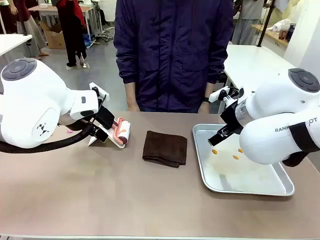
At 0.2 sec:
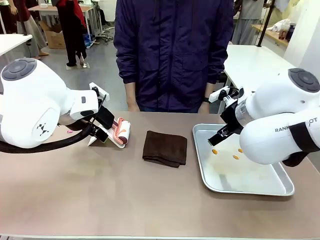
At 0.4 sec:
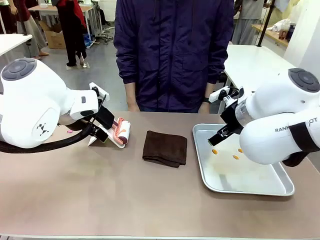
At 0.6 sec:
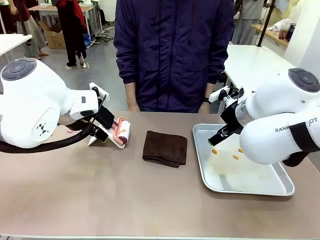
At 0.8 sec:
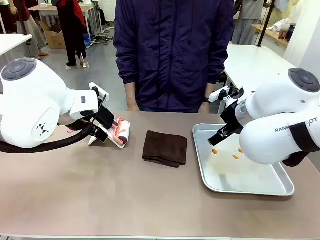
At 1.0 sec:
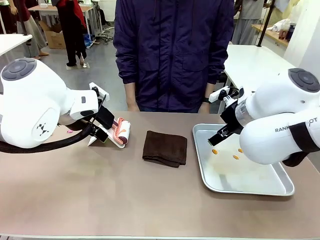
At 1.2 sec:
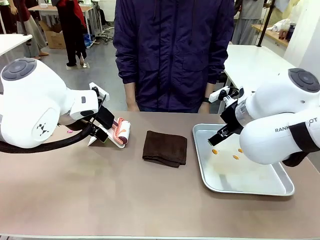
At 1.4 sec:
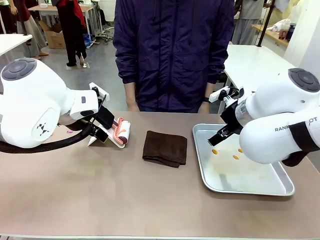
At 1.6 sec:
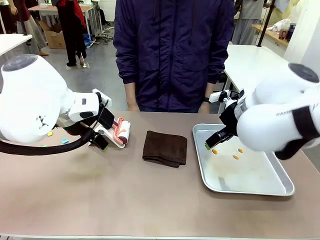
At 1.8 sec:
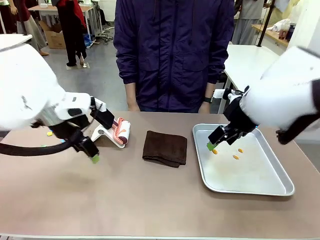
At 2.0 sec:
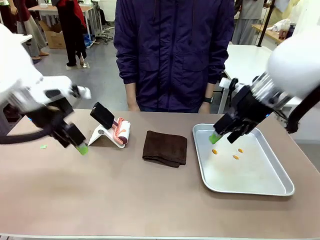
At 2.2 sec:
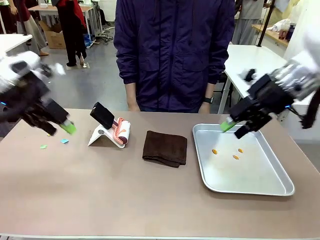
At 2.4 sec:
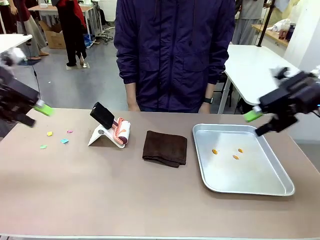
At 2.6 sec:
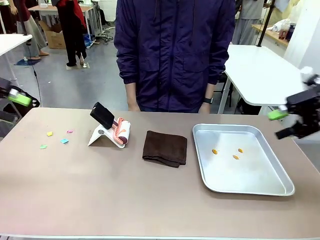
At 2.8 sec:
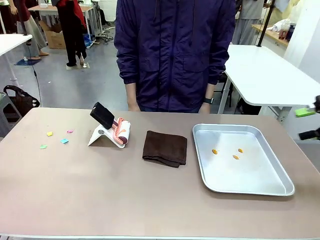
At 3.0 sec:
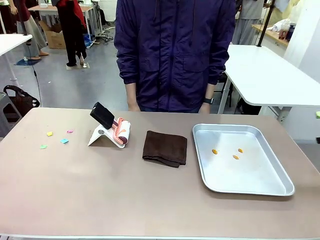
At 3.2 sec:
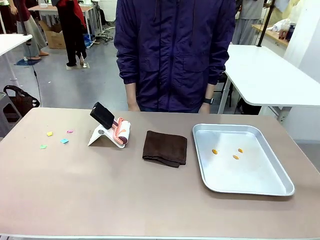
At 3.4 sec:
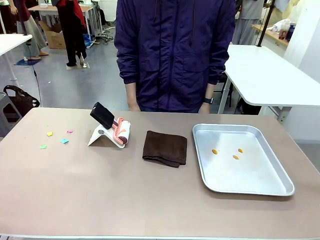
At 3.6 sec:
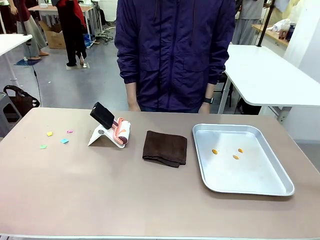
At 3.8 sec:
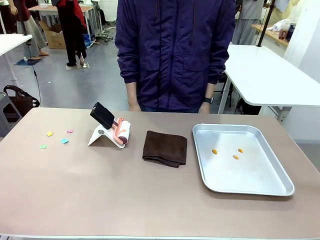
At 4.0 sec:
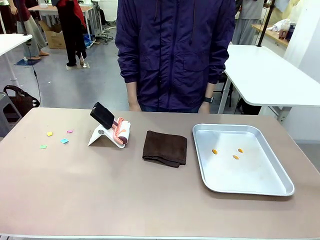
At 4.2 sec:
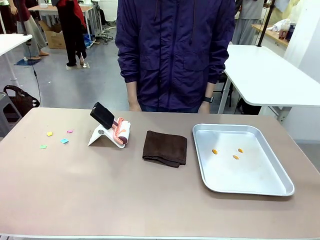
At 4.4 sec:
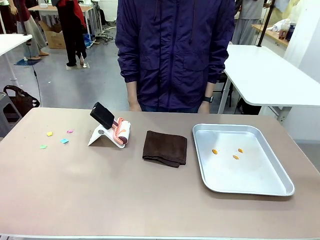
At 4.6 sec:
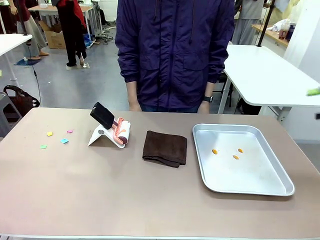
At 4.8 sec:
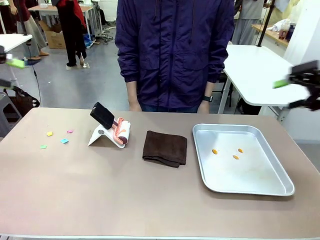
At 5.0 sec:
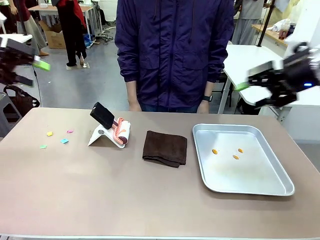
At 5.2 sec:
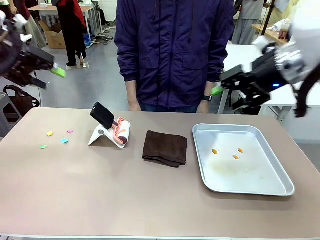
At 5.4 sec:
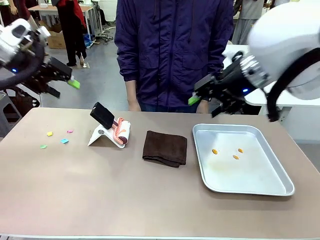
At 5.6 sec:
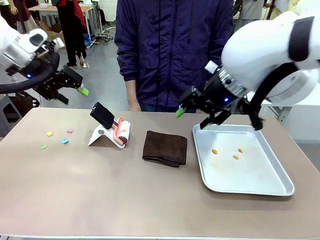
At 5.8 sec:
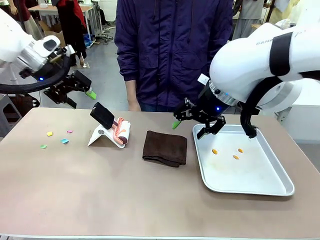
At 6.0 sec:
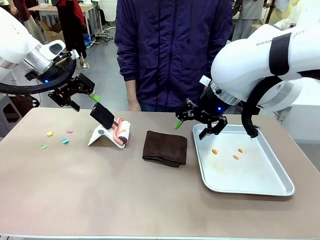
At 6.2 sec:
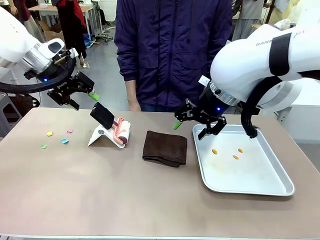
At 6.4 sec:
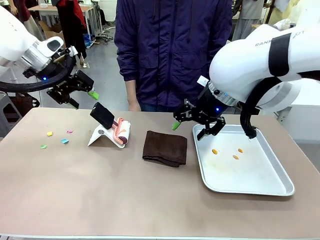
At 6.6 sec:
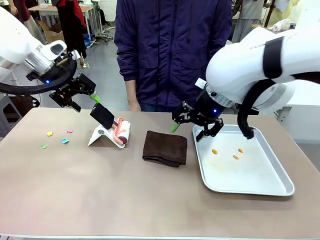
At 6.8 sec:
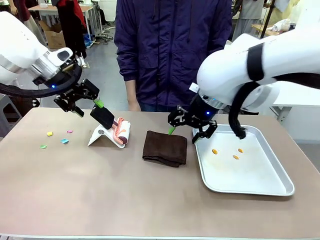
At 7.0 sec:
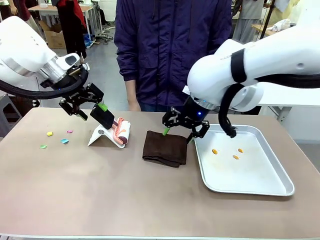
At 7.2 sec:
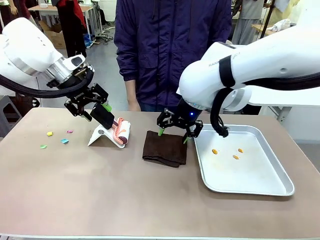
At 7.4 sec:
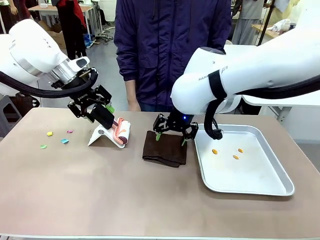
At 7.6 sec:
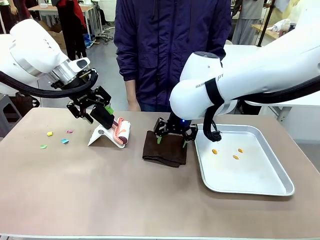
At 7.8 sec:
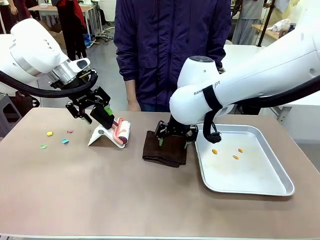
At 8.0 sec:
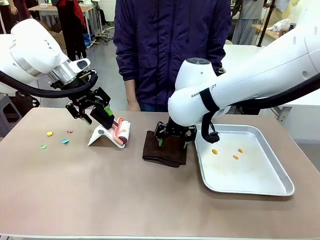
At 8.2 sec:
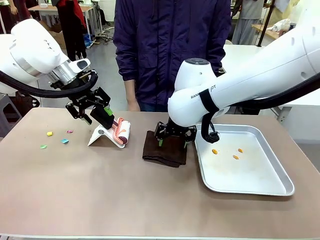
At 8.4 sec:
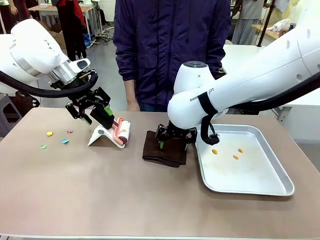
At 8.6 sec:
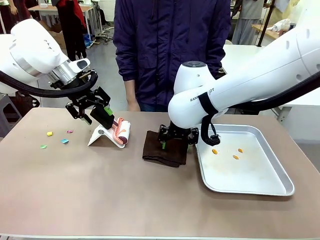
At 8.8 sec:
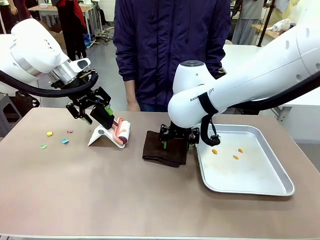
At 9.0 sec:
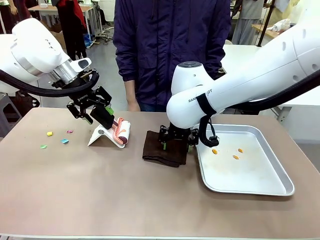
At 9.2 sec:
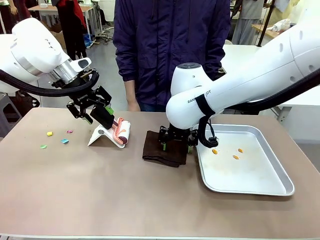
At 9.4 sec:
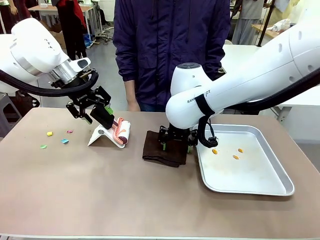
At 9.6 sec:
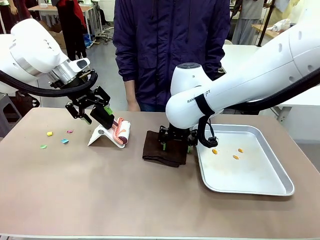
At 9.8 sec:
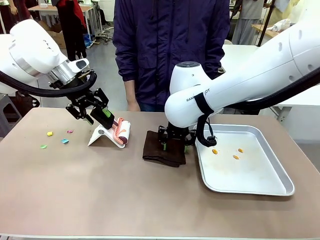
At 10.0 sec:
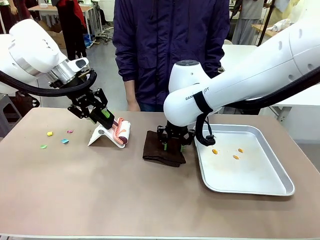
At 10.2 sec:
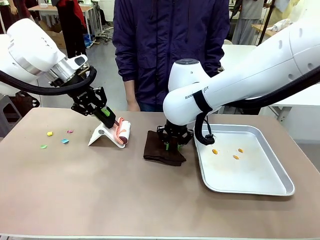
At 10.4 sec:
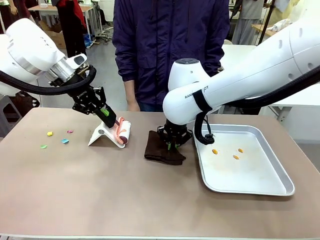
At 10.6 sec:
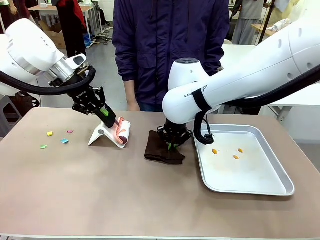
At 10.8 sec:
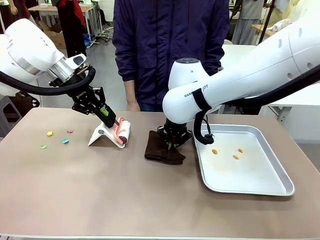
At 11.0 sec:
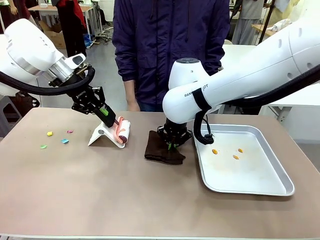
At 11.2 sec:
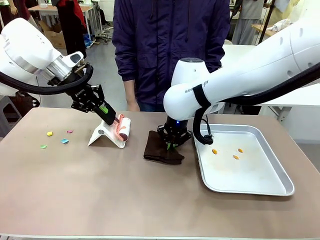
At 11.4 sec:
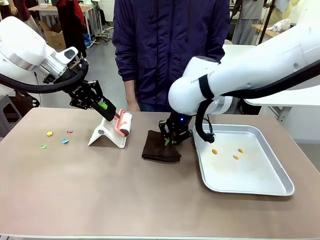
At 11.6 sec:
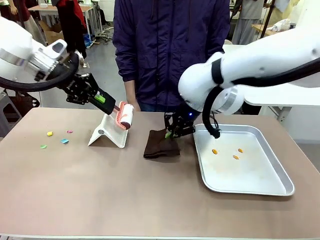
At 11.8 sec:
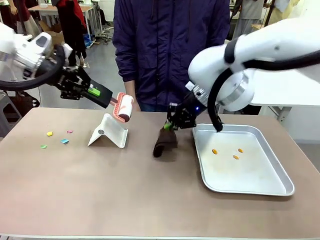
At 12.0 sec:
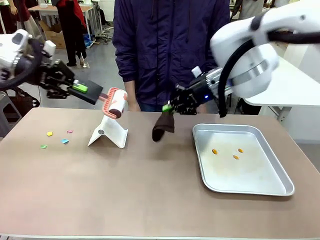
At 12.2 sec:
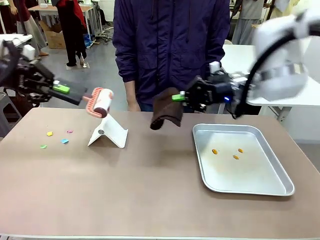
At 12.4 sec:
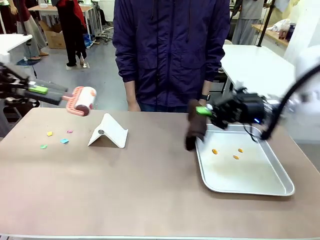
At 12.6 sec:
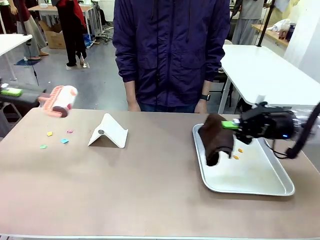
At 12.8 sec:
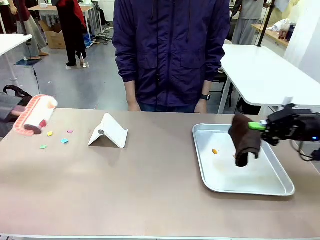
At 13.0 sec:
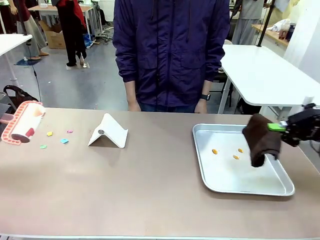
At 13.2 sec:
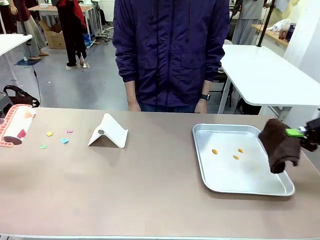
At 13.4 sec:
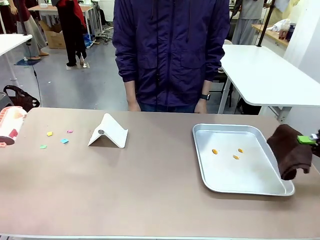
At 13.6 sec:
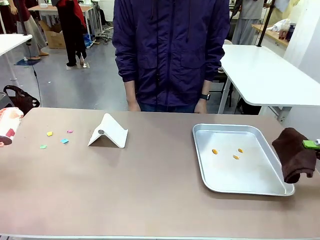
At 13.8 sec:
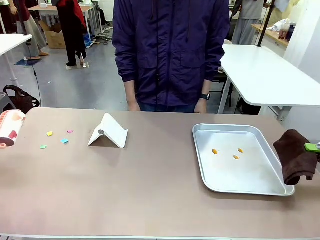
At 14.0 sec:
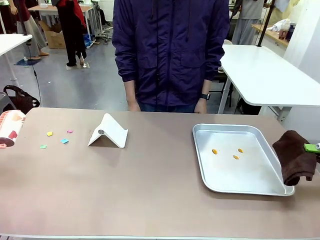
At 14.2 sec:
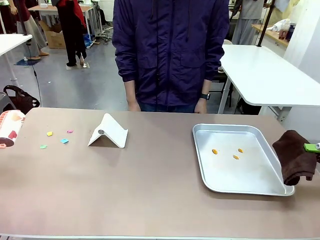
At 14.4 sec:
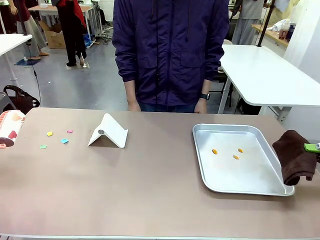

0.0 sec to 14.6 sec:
Task: Clean the surface of the table.
Robot: Hold the Lint Roller with your left hand and the towel with your right hand.

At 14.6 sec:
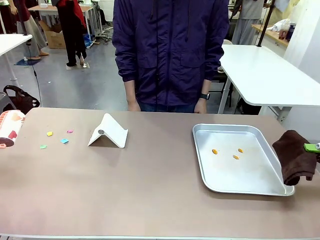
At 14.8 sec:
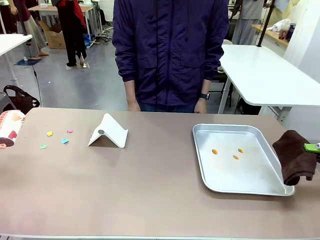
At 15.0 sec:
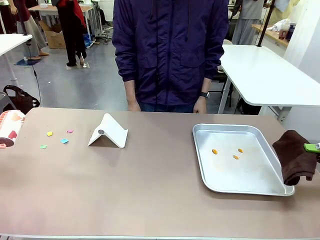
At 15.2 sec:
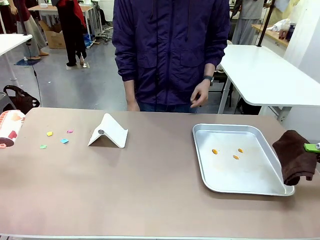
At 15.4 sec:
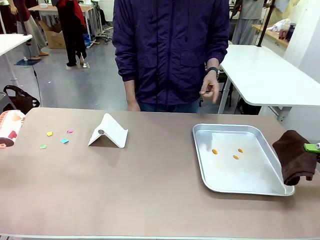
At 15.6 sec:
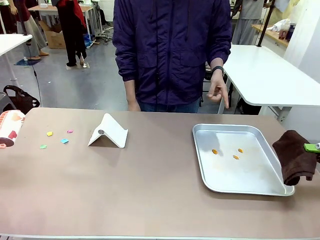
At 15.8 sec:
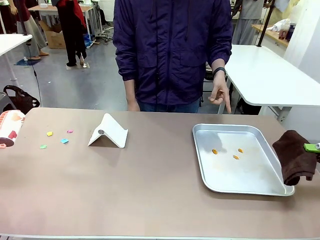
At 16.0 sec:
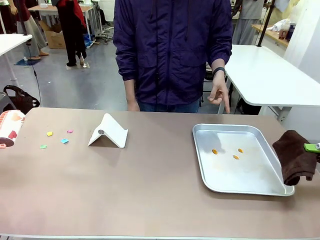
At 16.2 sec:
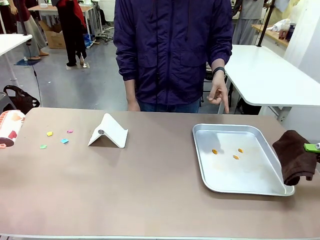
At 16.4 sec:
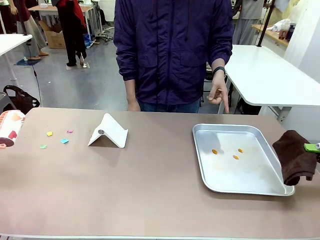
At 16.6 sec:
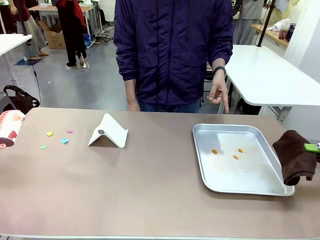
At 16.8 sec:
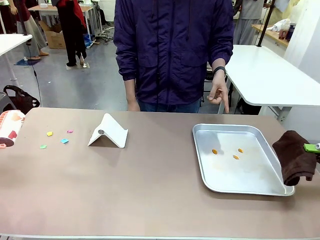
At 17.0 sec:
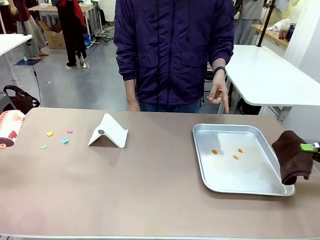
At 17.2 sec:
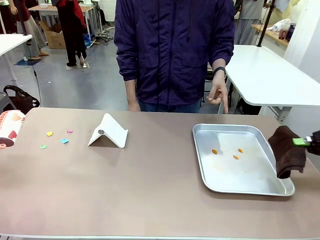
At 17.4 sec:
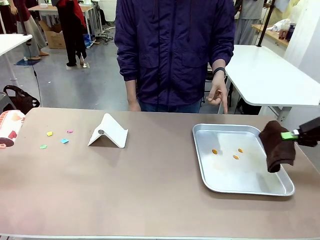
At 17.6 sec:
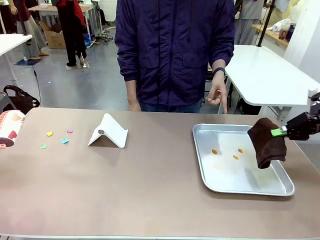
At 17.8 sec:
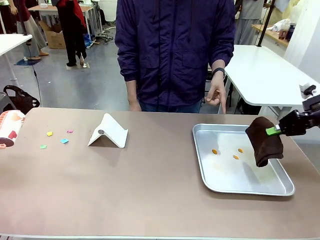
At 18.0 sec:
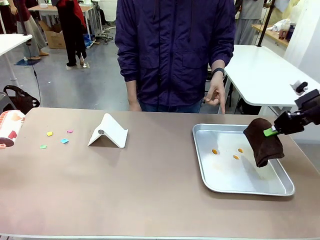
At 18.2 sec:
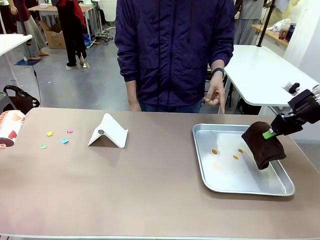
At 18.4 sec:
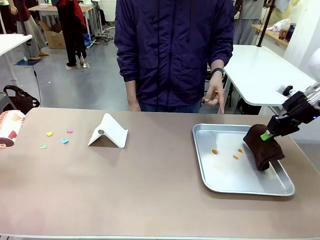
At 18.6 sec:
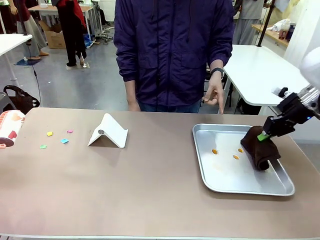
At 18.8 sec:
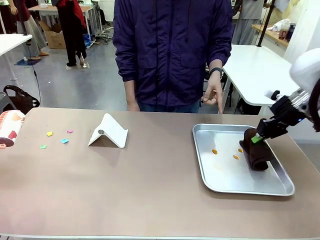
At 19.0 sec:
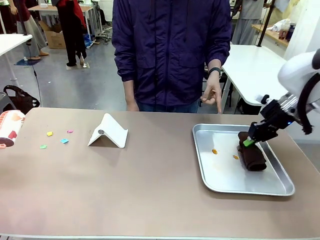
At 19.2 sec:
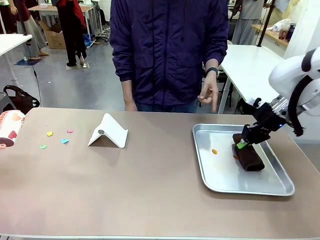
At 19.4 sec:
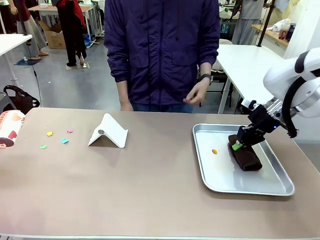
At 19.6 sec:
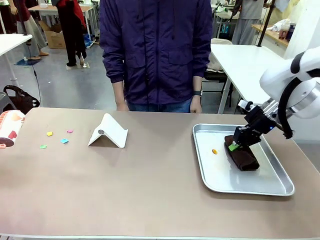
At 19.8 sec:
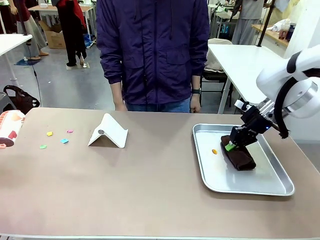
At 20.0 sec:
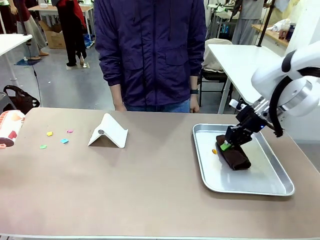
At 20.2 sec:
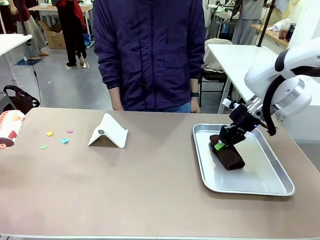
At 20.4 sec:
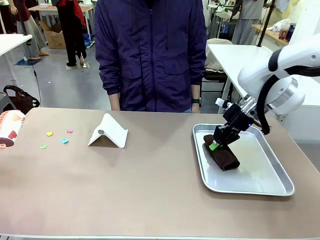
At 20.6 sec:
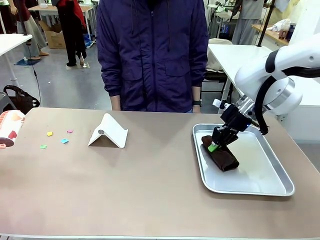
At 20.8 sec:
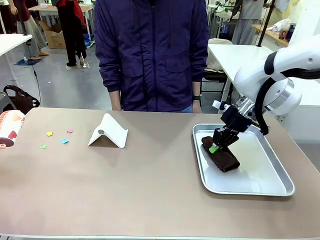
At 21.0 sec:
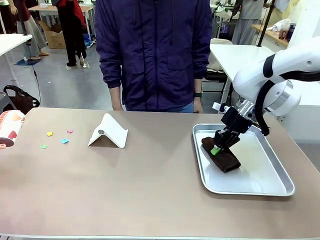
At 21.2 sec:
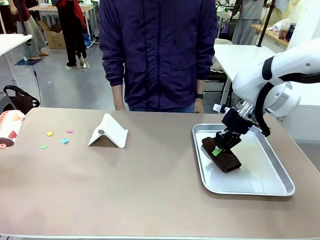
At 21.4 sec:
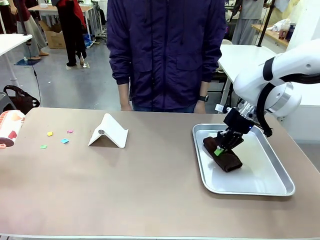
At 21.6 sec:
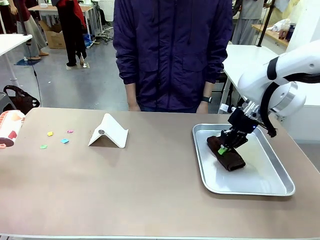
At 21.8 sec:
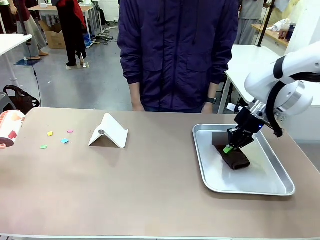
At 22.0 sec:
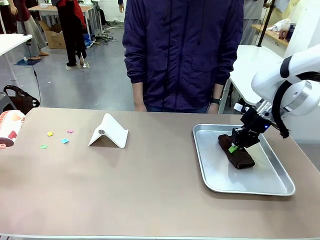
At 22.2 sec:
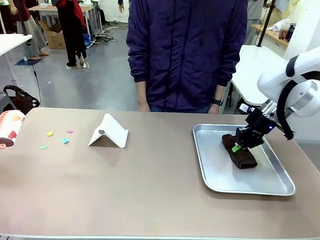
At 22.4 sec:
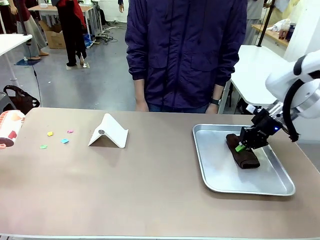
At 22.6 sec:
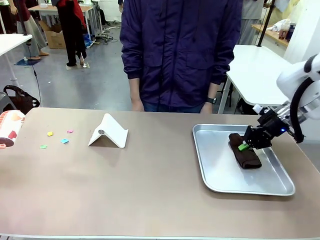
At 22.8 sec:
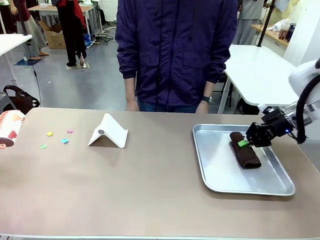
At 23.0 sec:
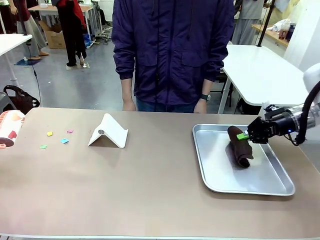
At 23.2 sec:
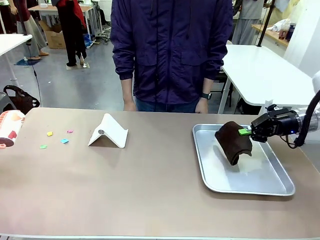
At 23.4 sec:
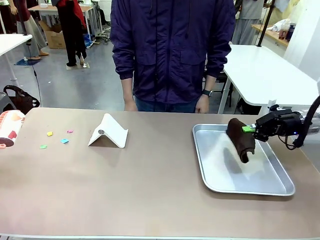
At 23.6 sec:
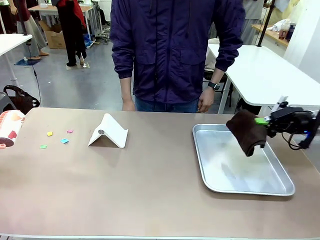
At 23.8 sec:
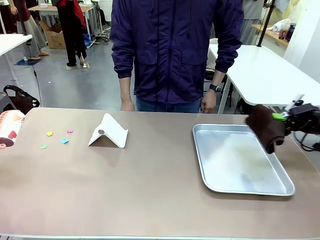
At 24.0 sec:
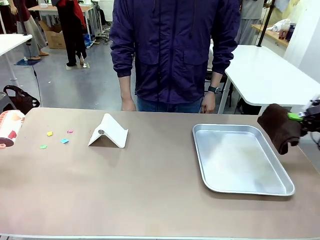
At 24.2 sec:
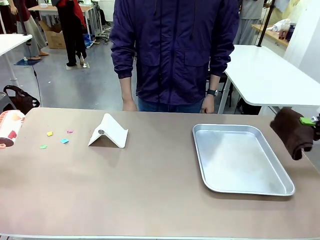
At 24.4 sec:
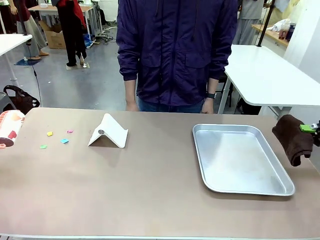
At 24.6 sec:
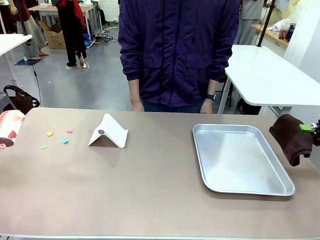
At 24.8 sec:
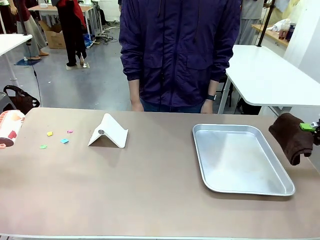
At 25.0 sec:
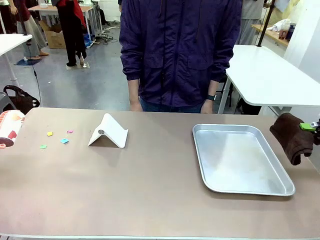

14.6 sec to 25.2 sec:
Robot: If a person points to the right, clean the right side of the table with your right hand, and if they point to the left, clean the left side with your left hand.
